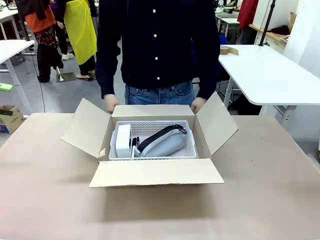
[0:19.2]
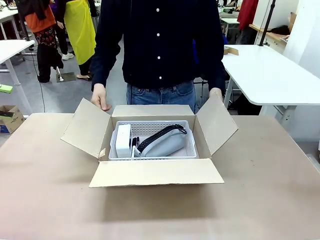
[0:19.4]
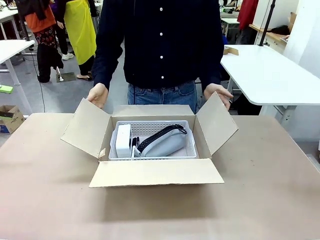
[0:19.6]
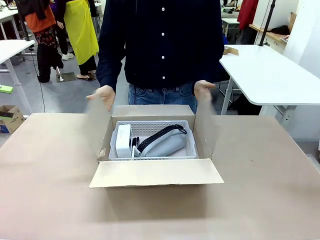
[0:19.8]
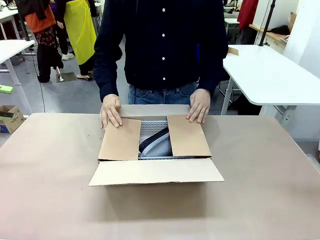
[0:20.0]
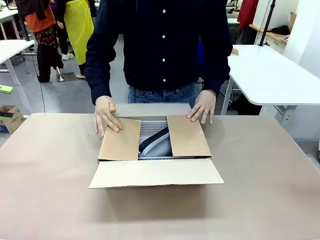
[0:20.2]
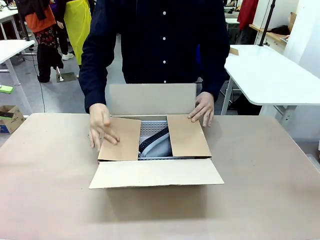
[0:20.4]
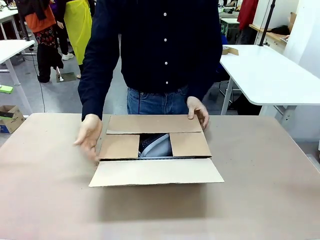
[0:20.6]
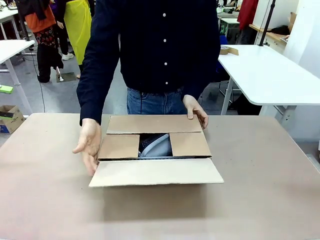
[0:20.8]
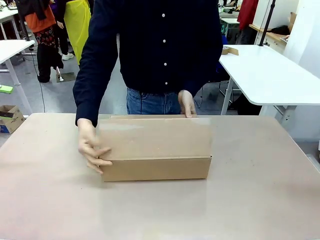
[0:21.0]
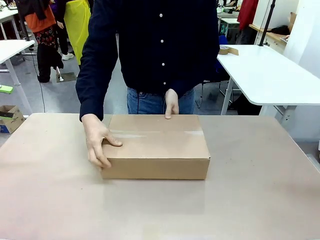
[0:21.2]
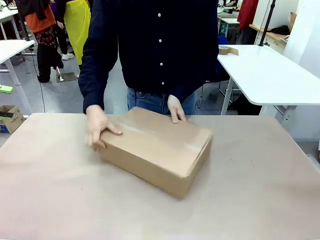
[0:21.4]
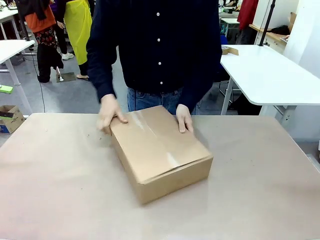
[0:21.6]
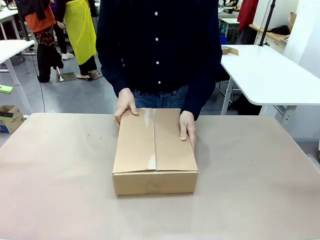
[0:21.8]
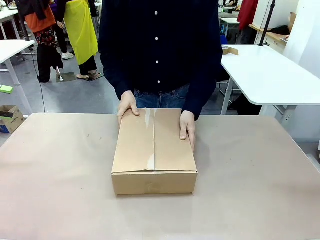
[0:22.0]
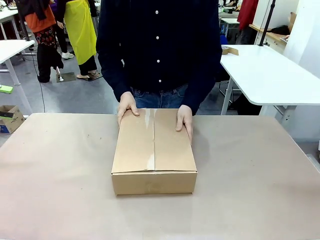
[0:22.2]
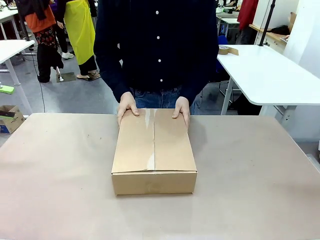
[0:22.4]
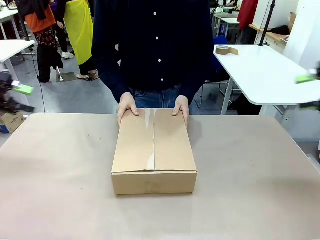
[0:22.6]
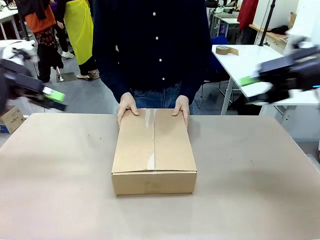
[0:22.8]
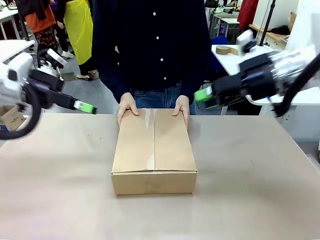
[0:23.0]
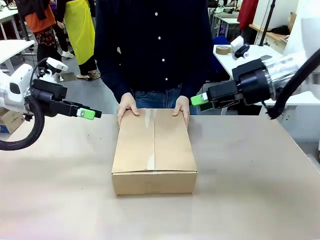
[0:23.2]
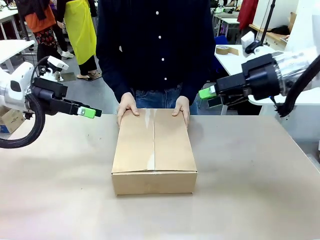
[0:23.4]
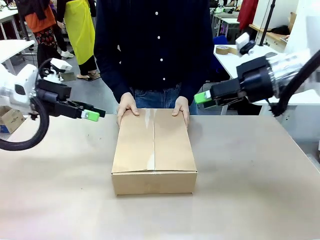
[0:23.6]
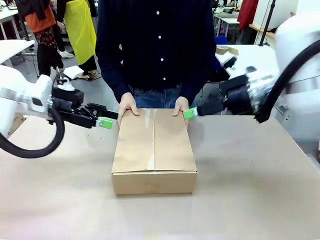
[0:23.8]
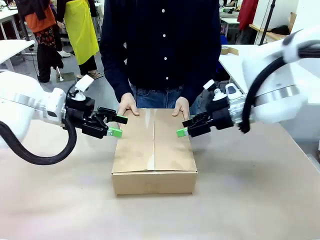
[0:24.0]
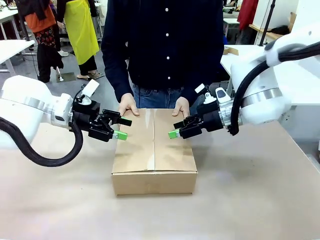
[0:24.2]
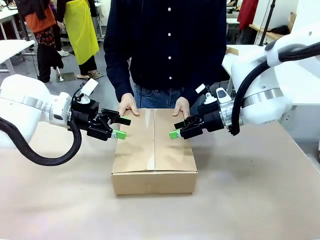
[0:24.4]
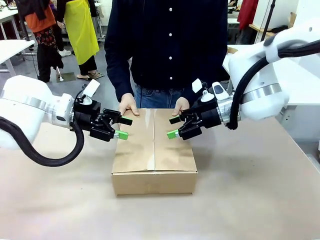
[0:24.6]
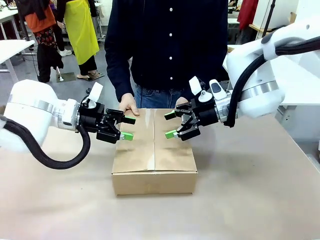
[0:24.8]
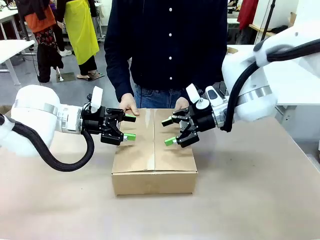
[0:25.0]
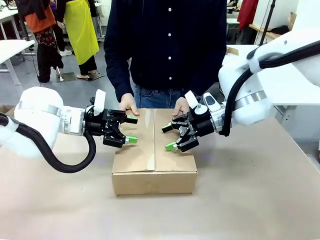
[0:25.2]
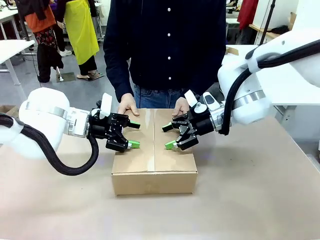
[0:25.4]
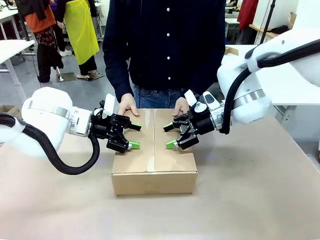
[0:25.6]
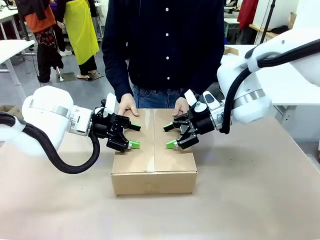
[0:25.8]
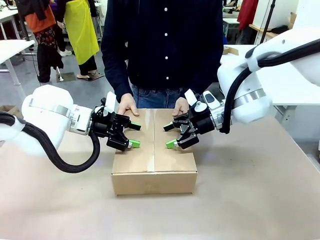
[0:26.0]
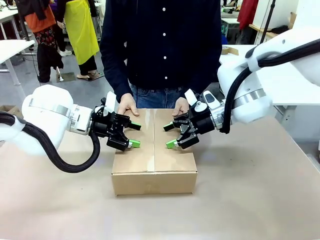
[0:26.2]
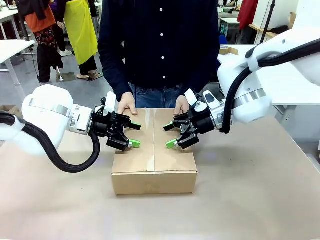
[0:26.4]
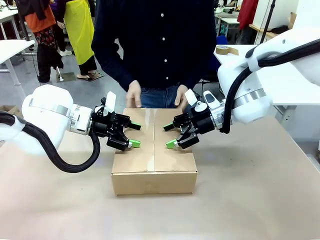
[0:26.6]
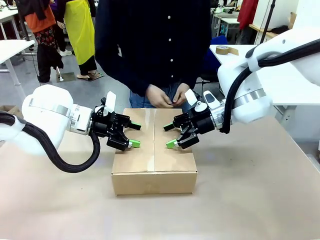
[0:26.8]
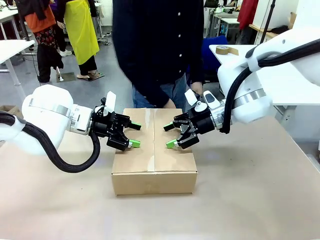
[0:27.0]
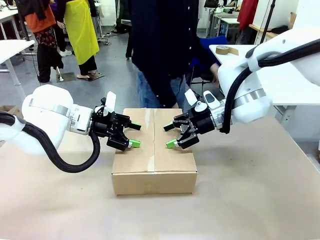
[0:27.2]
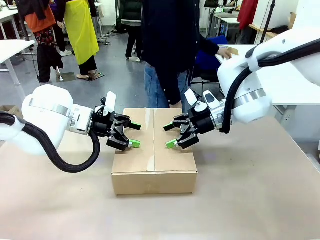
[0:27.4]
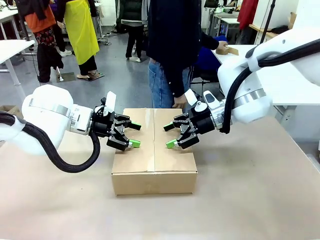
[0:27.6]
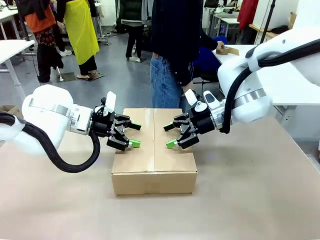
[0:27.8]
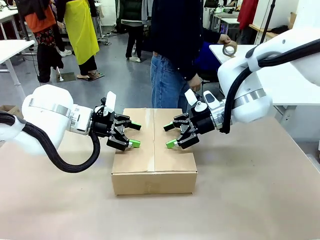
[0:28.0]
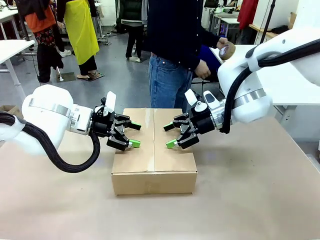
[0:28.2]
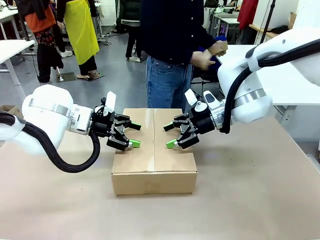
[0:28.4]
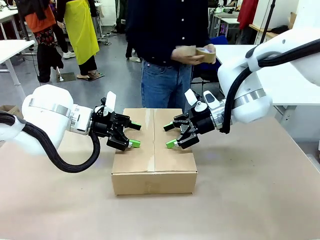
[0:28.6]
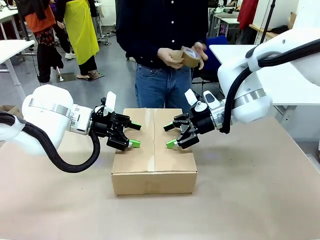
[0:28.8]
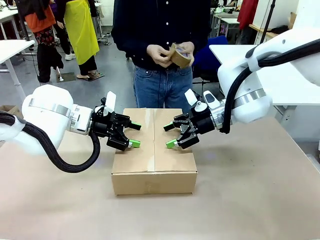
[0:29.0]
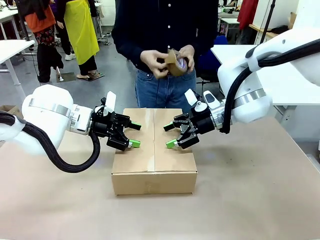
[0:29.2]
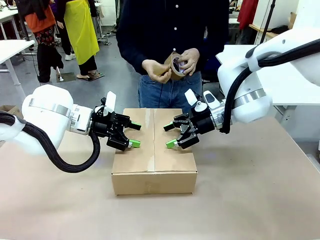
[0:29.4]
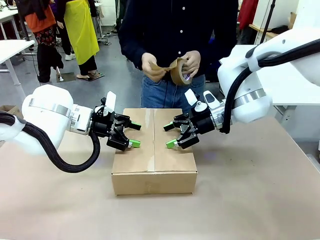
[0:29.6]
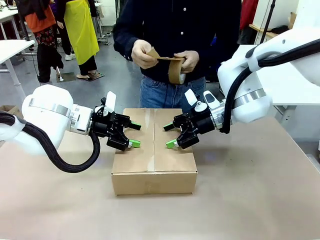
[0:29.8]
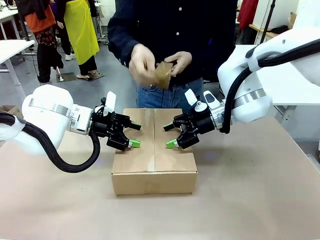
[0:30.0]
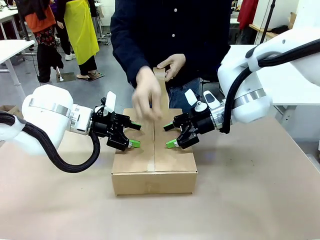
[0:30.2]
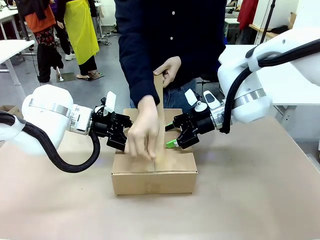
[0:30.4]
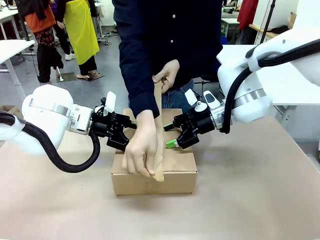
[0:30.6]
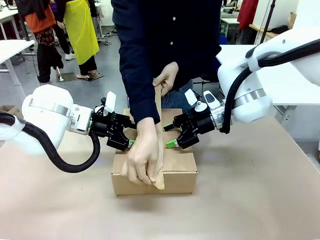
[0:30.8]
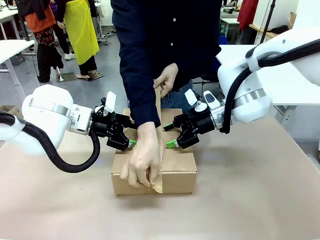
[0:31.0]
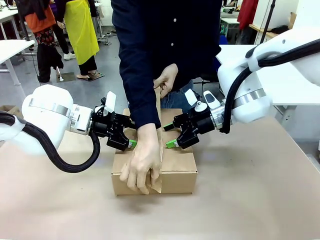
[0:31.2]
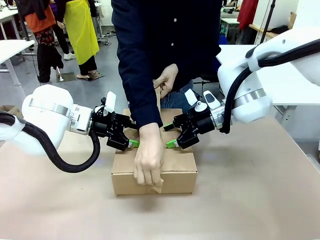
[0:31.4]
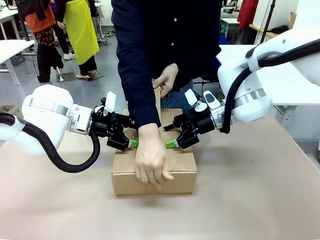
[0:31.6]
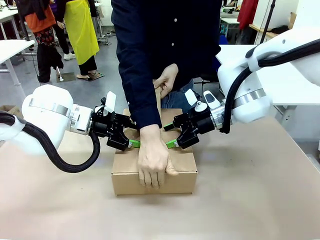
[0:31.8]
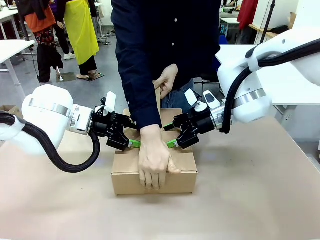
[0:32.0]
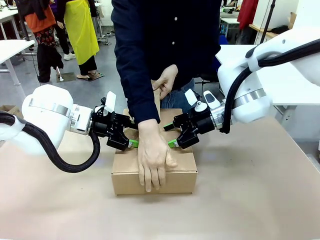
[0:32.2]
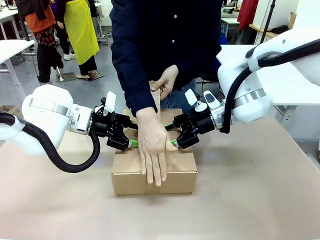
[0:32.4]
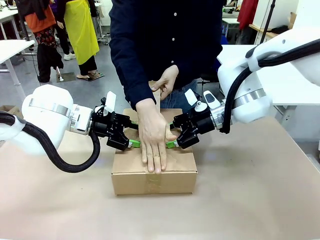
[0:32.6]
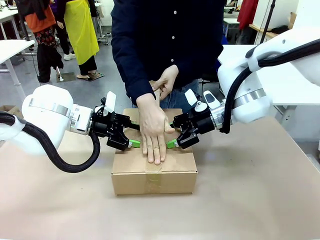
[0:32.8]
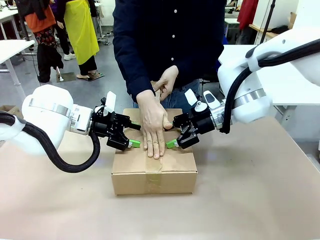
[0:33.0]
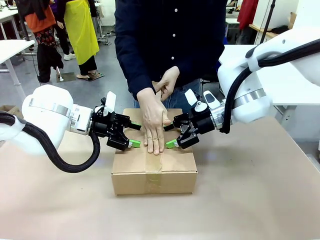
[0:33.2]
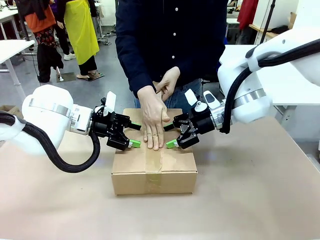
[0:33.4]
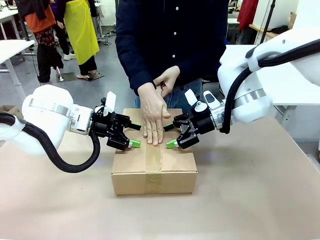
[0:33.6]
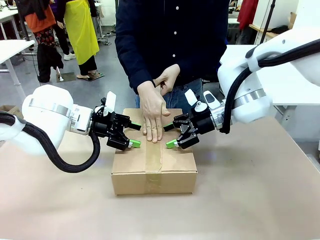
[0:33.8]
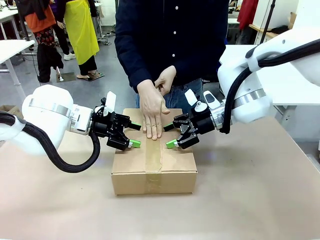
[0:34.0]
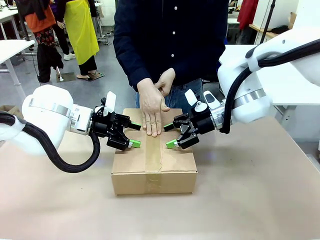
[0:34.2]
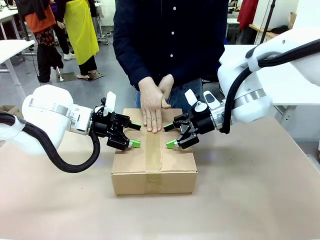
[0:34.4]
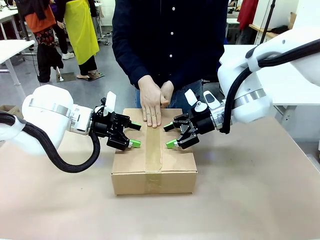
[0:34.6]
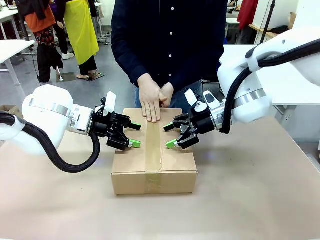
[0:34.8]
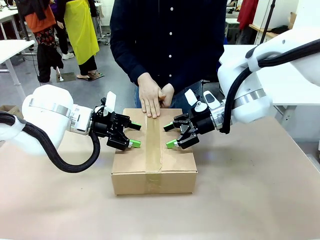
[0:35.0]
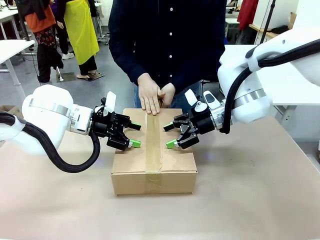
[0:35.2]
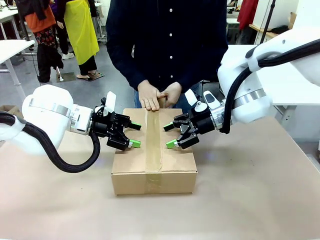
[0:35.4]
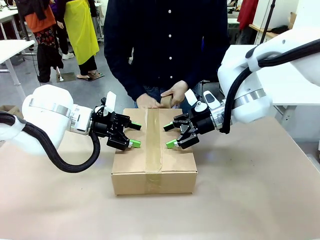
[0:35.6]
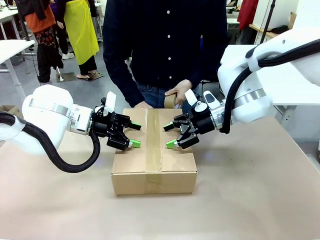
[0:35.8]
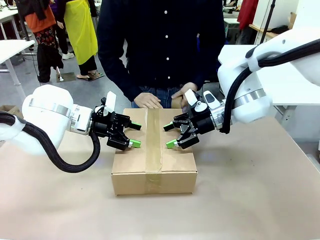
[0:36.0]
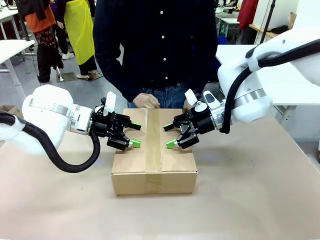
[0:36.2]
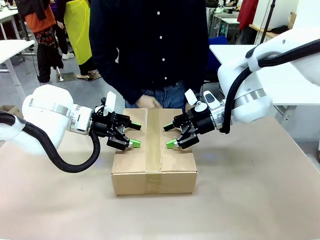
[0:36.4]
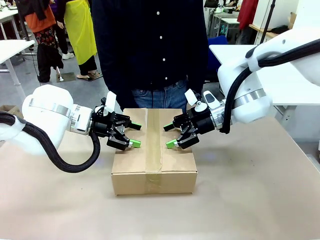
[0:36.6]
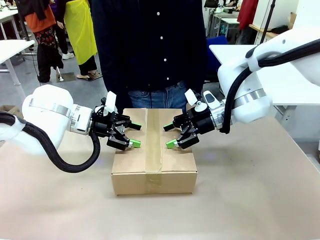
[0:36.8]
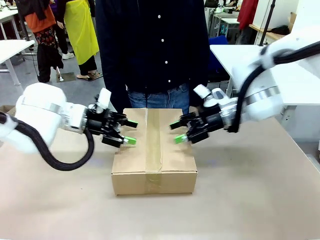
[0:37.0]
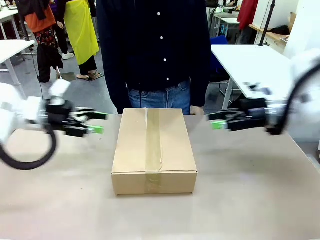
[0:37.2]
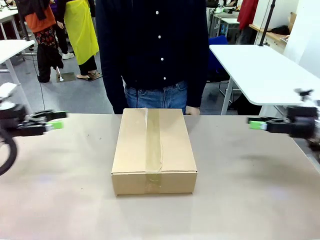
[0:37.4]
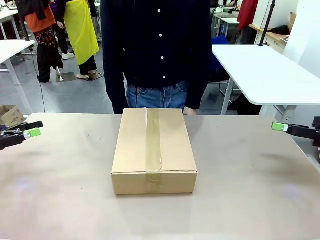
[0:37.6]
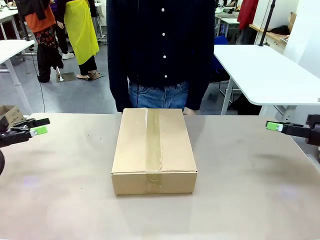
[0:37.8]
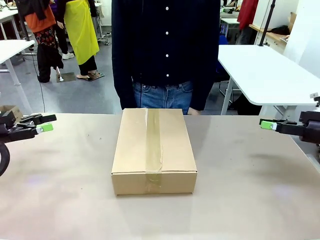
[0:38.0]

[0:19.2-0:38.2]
Task: Pack the gift set into the box.
Robot: Press and hold the closed box until the human finishes sealing it.
Person: The human closes the box and rotates the box by 90 degrees. The human picks up the paper tape from the human table and packs the box.
